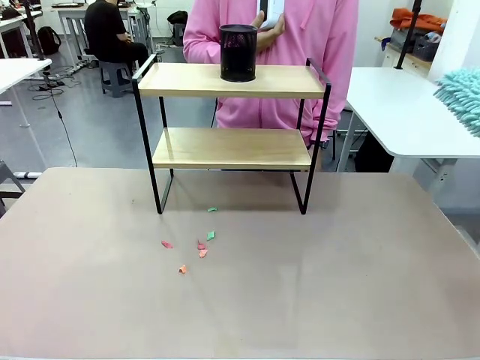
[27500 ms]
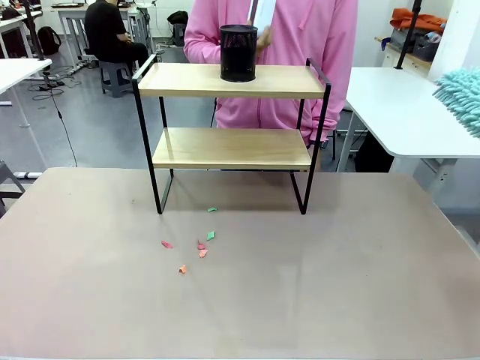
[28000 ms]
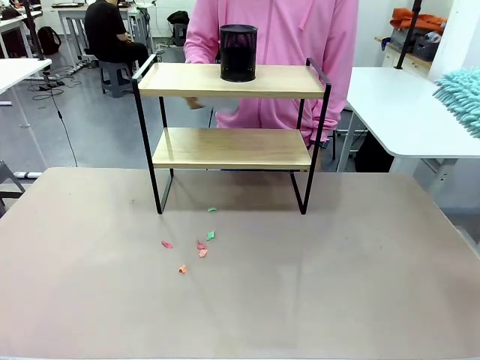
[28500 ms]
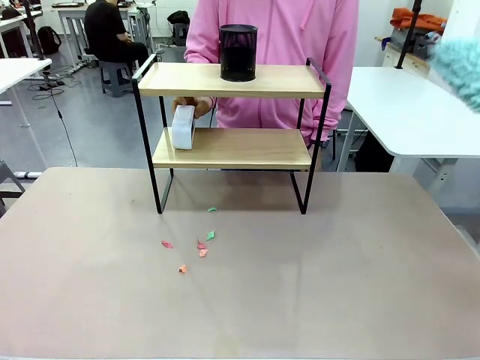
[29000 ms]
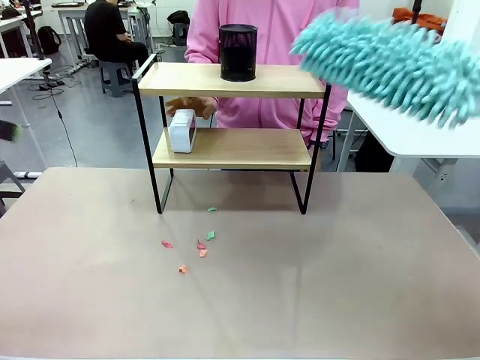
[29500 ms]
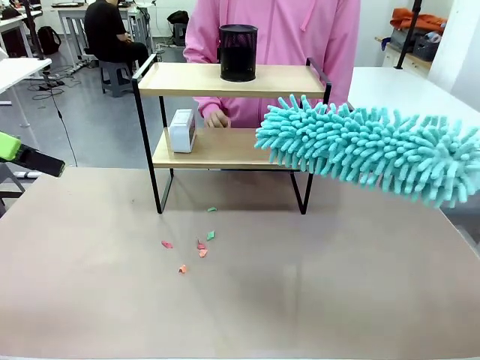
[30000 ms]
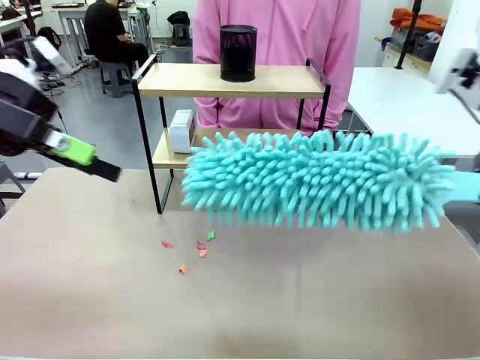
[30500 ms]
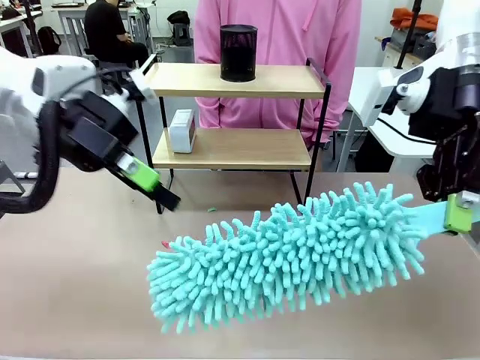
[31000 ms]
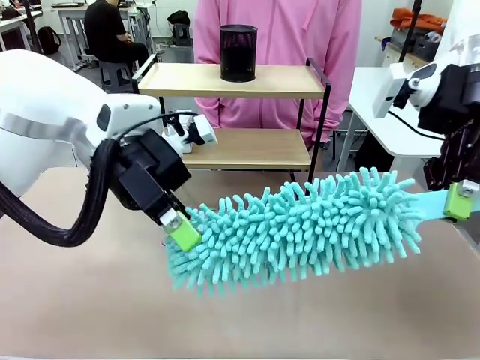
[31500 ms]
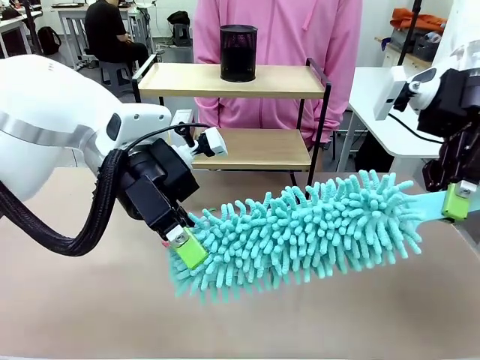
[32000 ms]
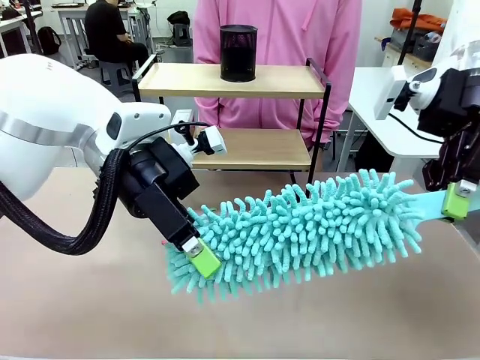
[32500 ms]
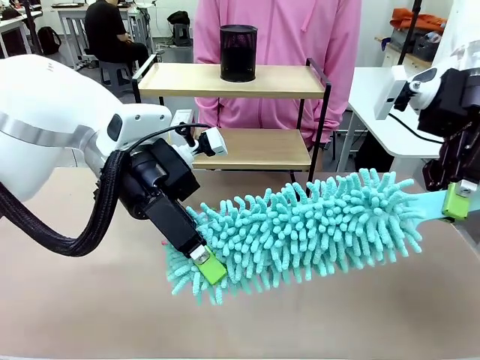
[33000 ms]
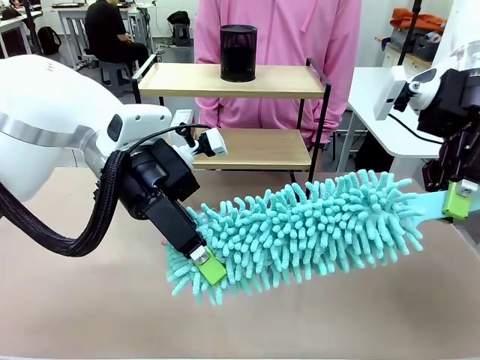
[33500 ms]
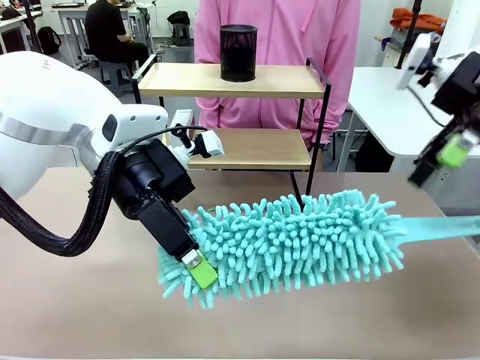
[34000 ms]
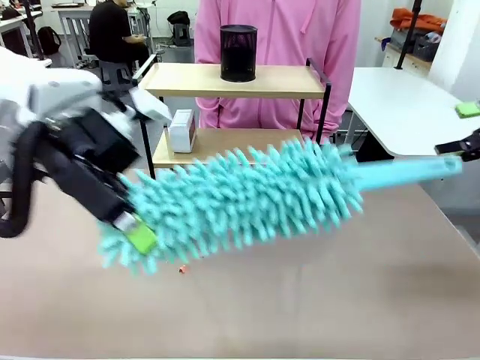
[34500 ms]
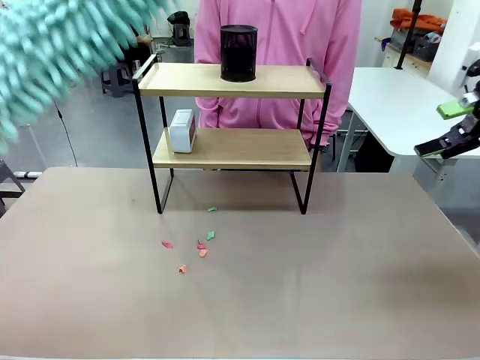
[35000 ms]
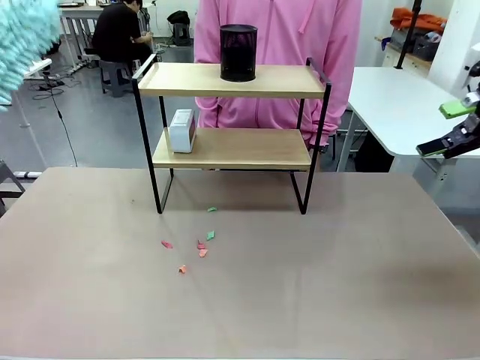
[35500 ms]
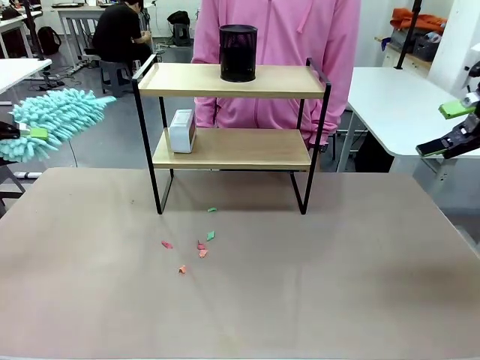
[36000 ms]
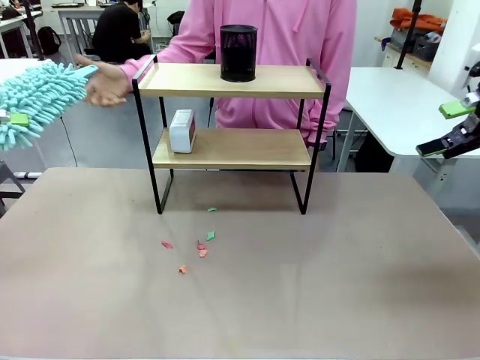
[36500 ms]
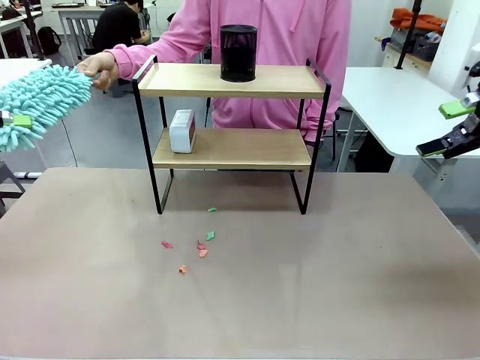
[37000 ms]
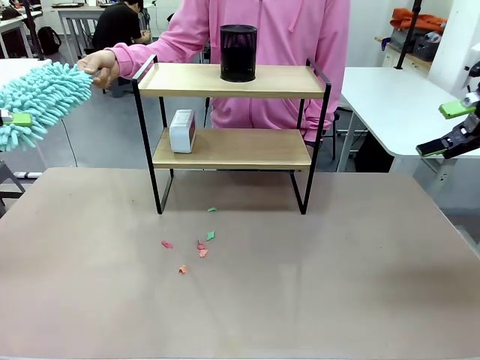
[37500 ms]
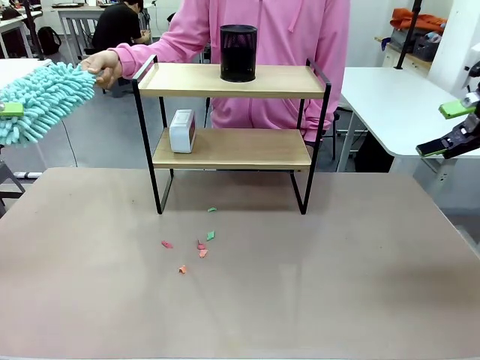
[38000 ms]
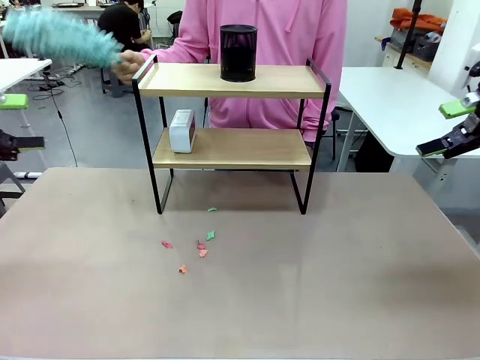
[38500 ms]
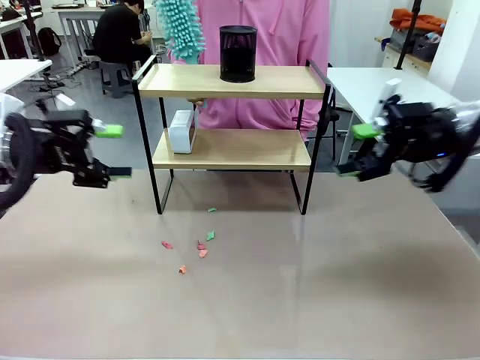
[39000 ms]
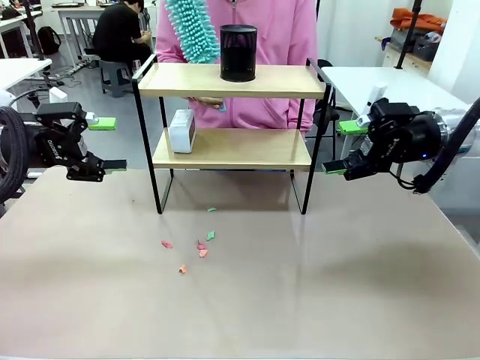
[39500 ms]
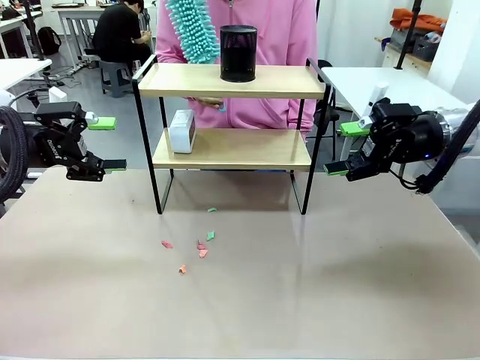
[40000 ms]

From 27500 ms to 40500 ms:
Task: Clean the shelf.
Robot: Hand the Duster back to the human.
Person: Receive the Duster from the robot.

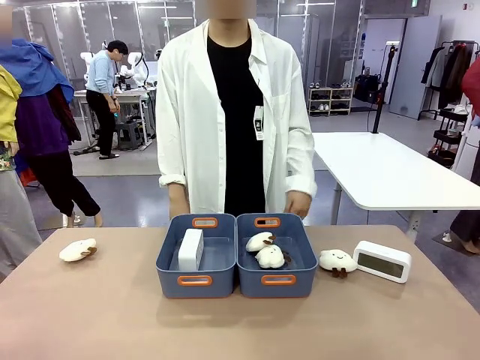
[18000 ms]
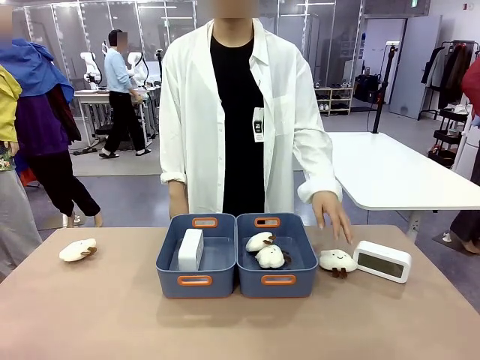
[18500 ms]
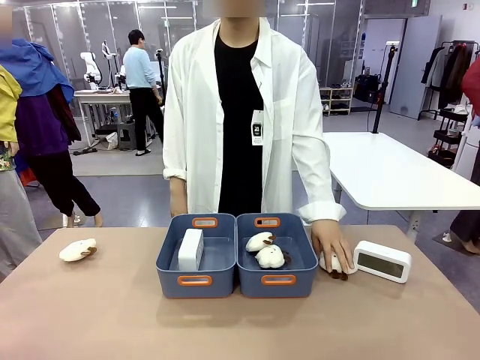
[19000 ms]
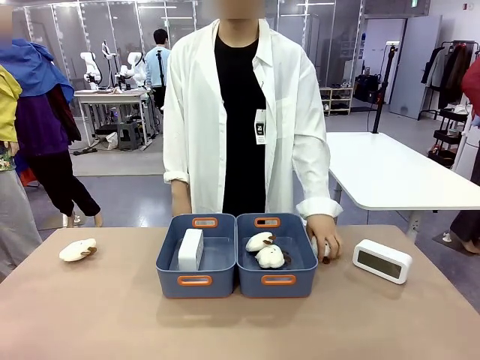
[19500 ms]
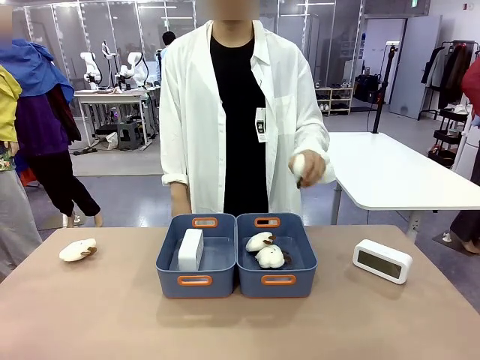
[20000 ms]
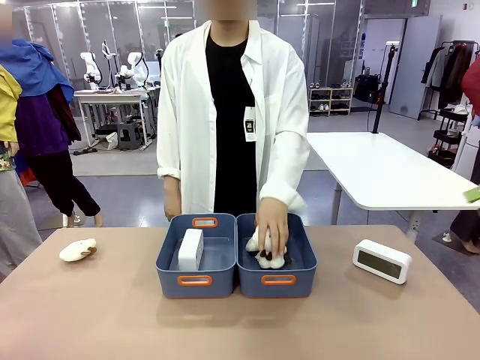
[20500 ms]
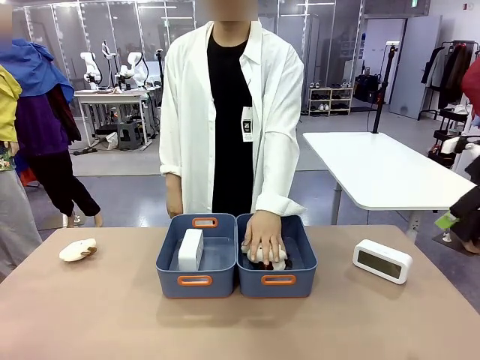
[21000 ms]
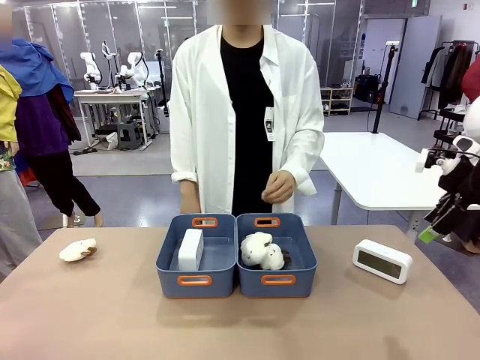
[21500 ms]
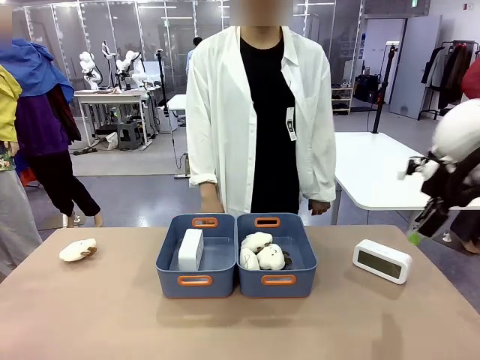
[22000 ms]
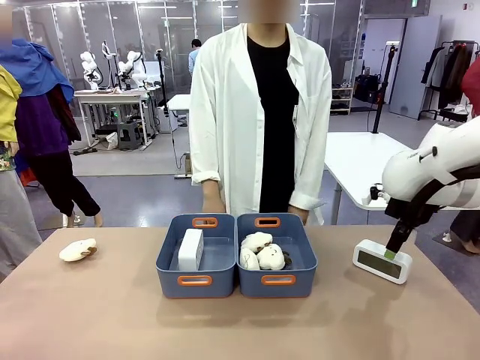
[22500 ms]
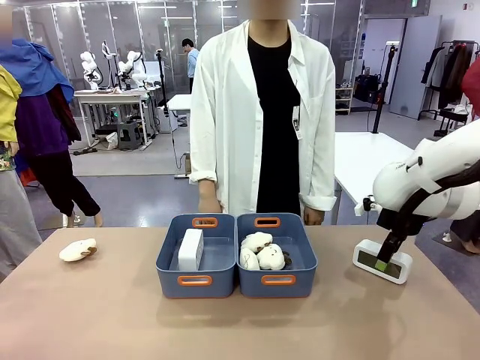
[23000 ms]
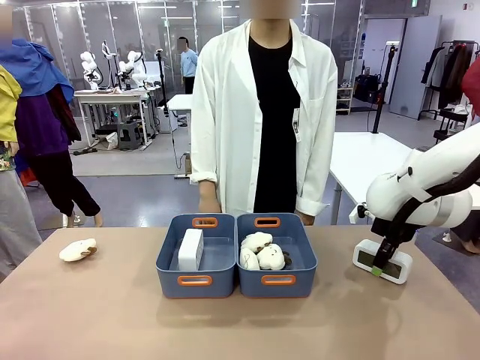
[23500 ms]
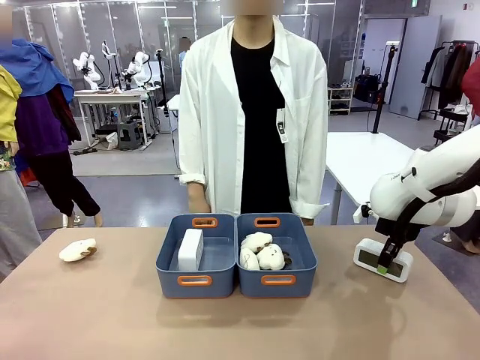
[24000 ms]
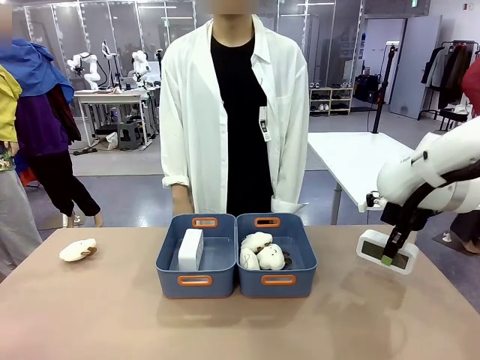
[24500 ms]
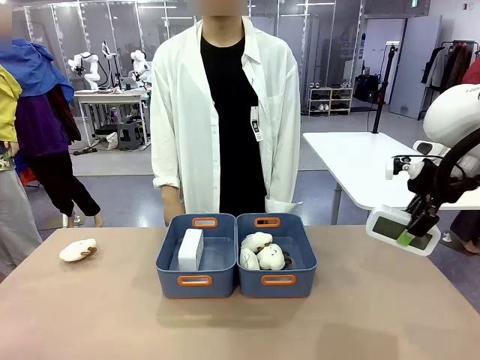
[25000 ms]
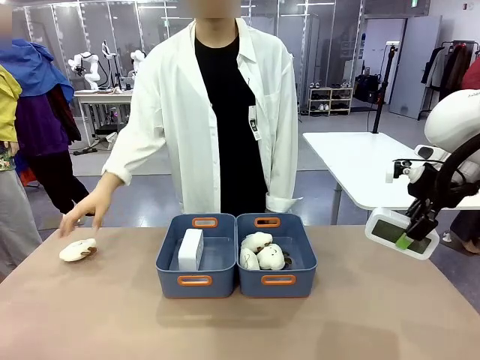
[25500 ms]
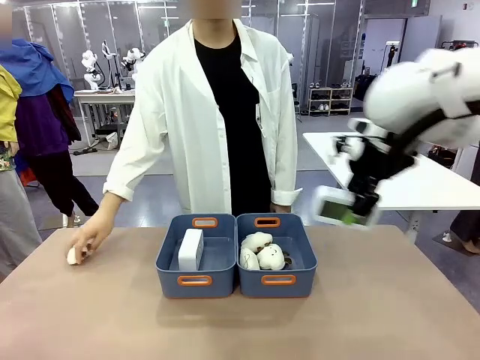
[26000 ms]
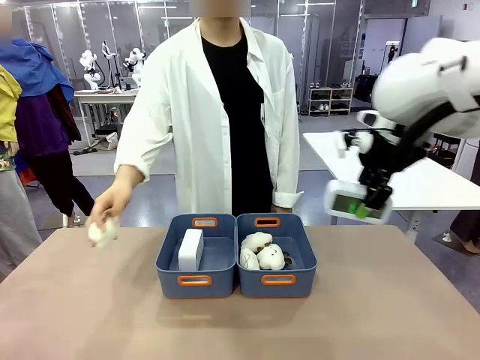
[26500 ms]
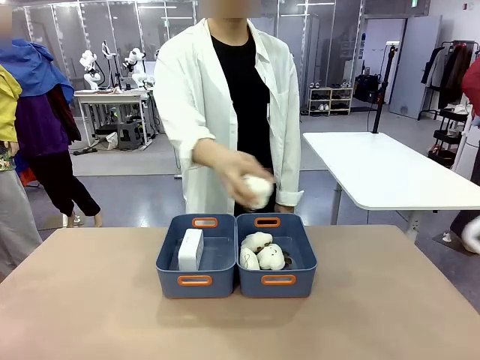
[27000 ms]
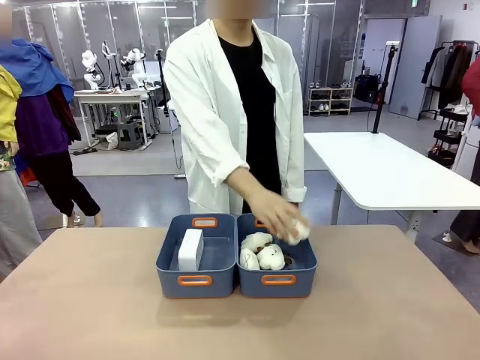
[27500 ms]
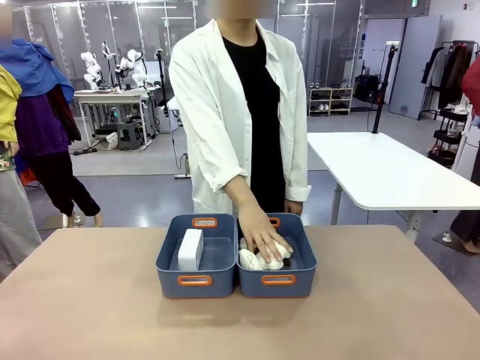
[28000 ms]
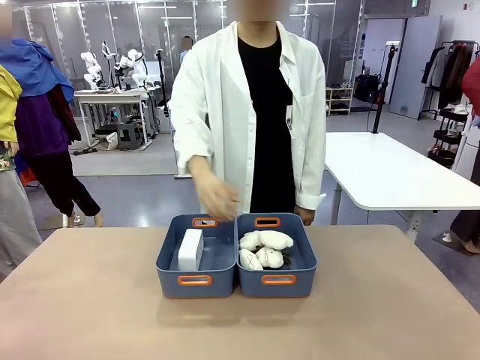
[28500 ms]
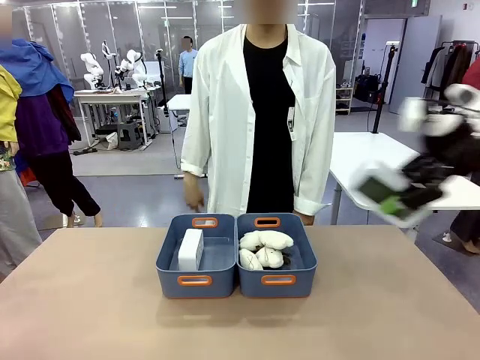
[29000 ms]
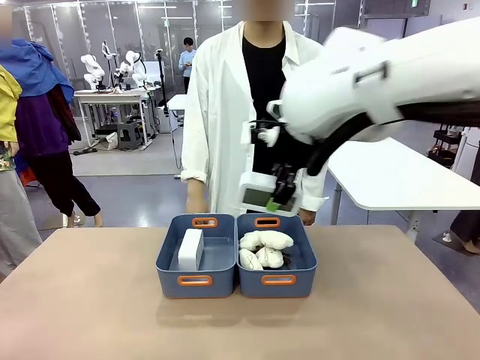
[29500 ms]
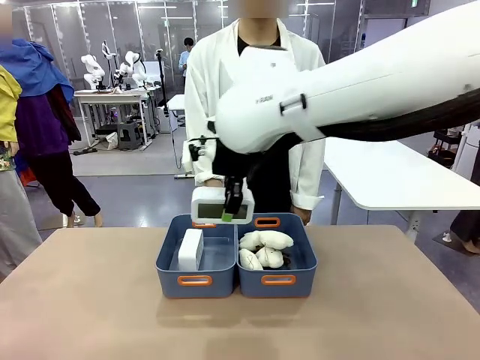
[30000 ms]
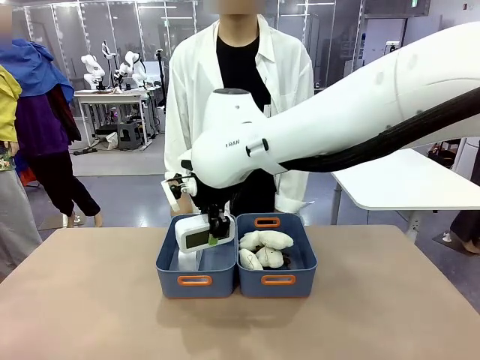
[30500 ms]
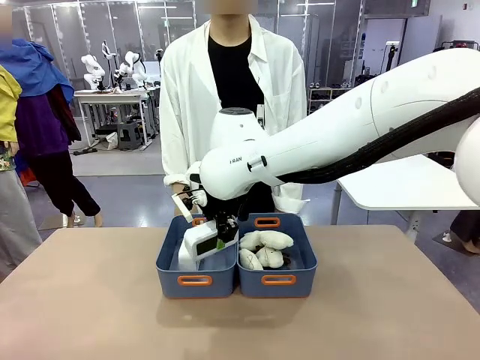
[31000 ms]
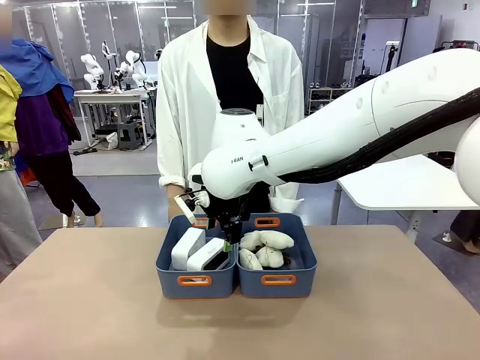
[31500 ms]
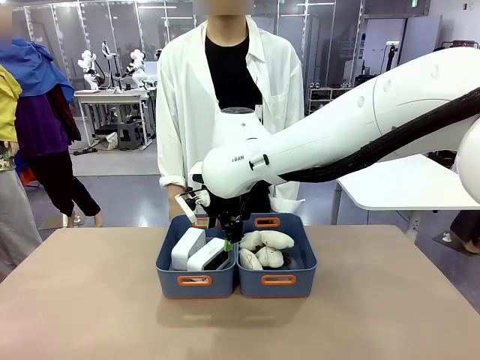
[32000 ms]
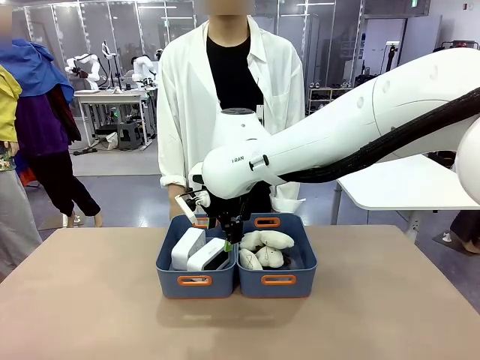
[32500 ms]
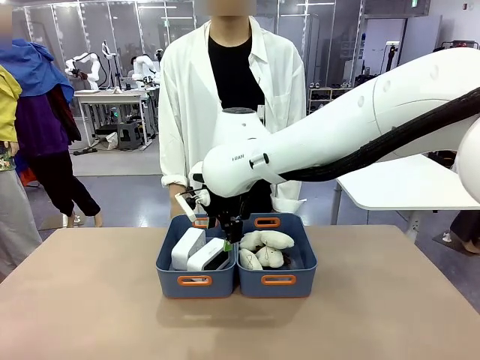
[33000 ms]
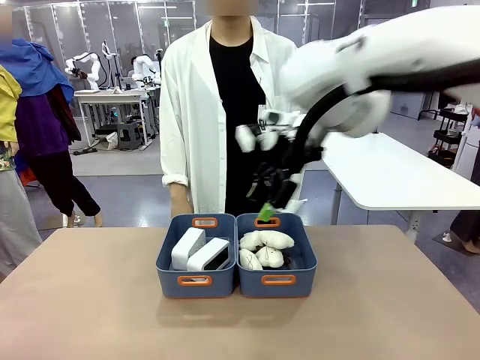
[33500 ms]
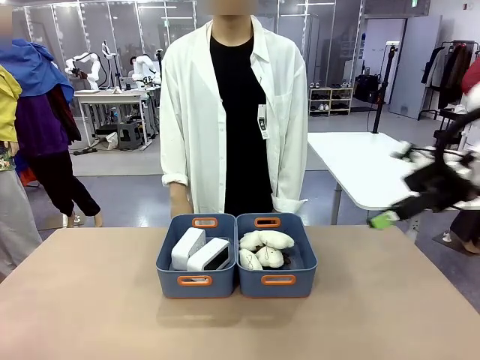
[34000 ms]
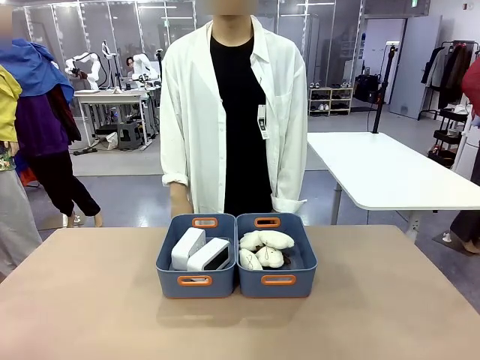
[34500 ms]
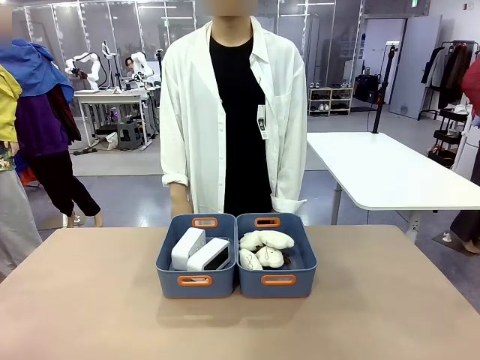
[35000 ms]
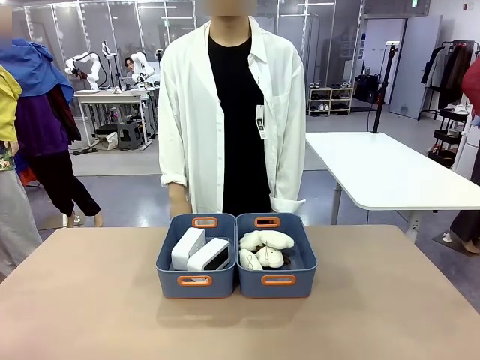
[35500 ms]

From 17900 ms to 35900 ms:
Task: Sort the digital clocks into the basket.
Robot: Pick up the Digital clock from the table and place it into the empty Plastic storage basket.
Person: Pick up a plush toy from the table and place it in the plastic storage basket containing the plush toy.
